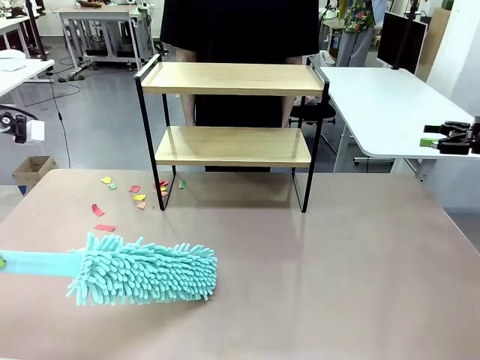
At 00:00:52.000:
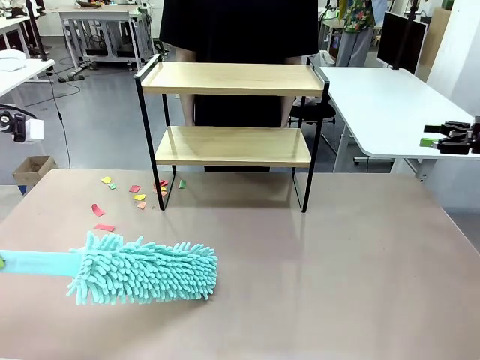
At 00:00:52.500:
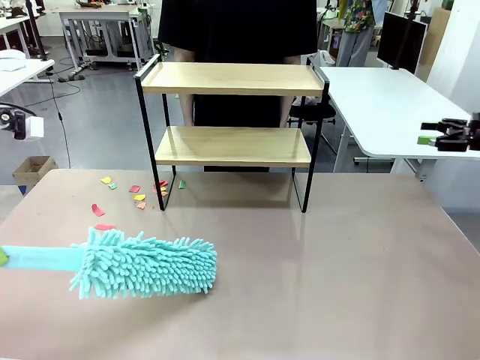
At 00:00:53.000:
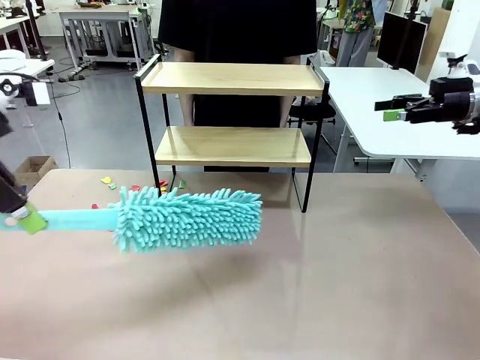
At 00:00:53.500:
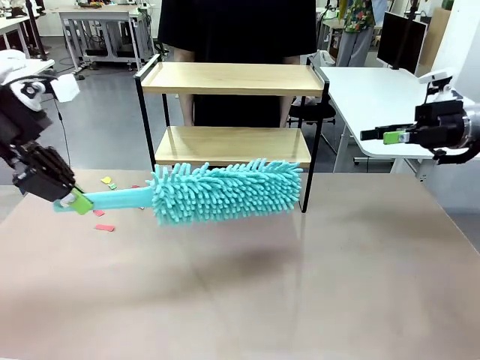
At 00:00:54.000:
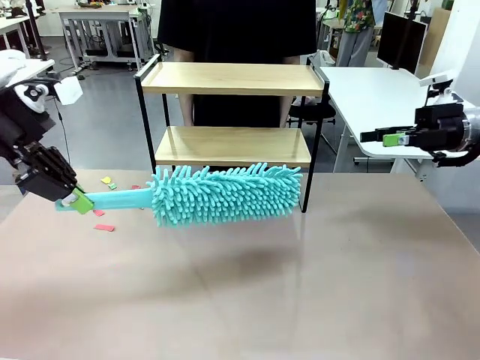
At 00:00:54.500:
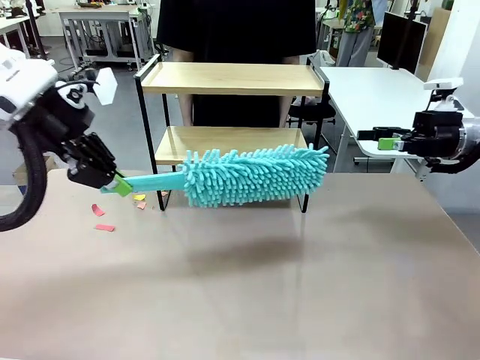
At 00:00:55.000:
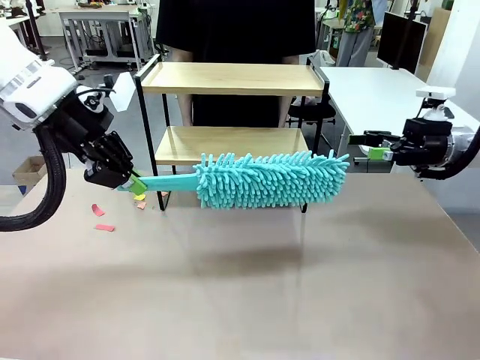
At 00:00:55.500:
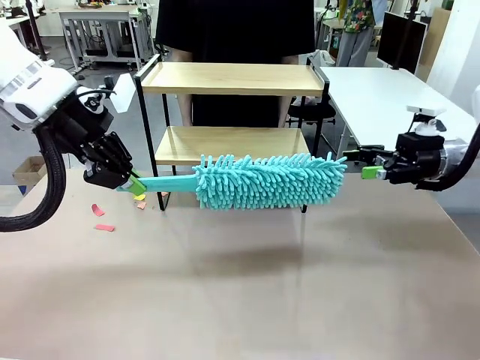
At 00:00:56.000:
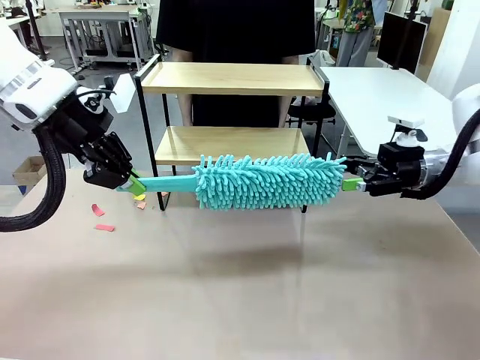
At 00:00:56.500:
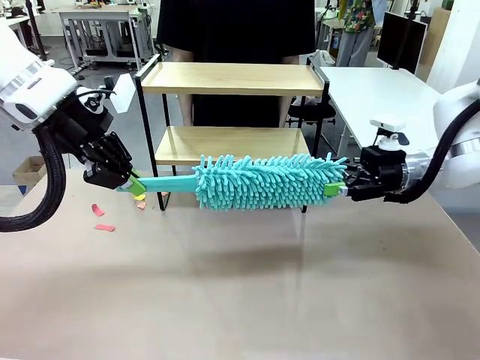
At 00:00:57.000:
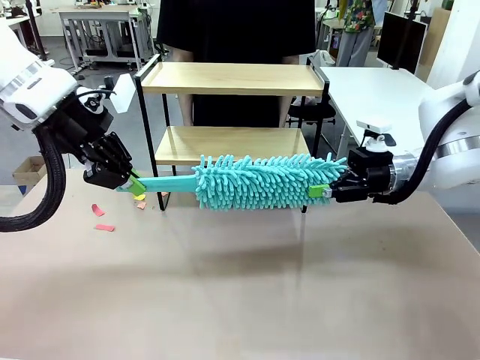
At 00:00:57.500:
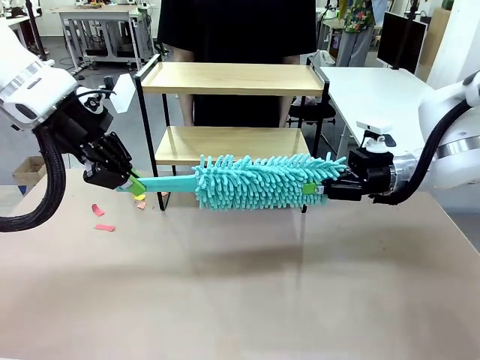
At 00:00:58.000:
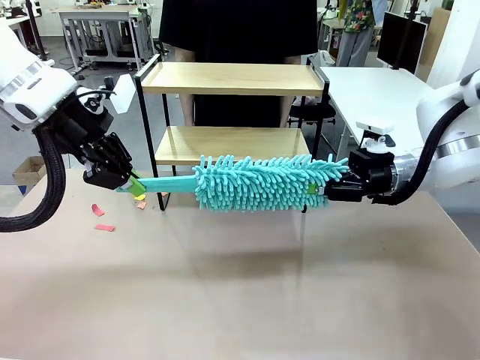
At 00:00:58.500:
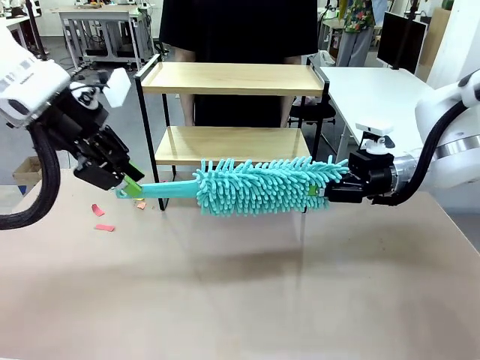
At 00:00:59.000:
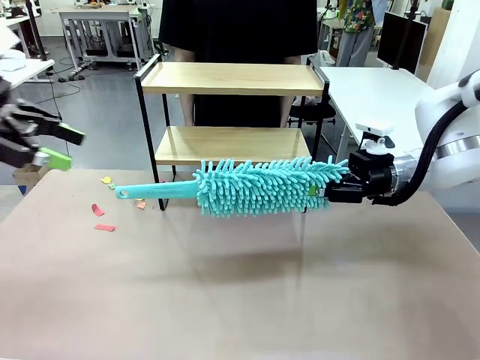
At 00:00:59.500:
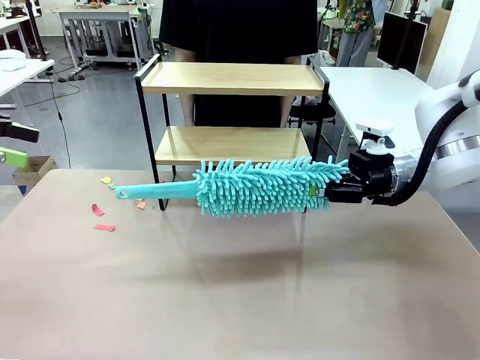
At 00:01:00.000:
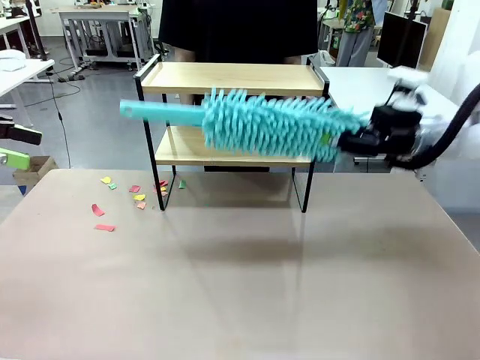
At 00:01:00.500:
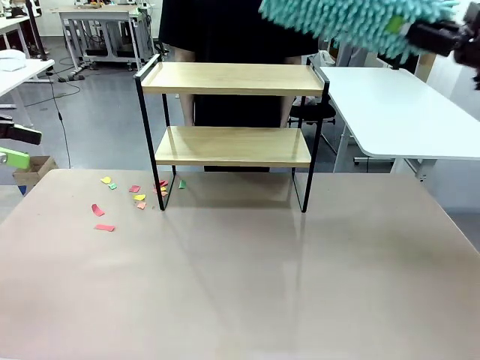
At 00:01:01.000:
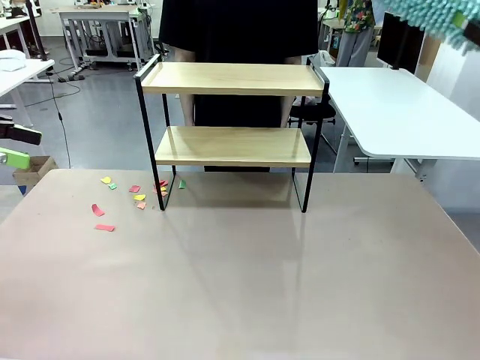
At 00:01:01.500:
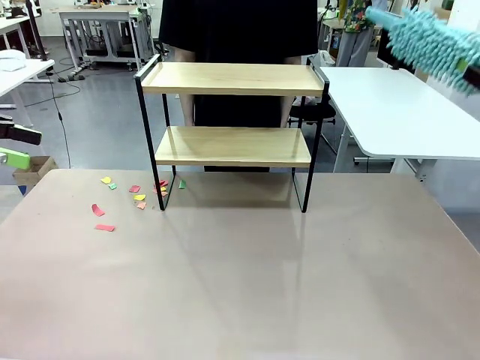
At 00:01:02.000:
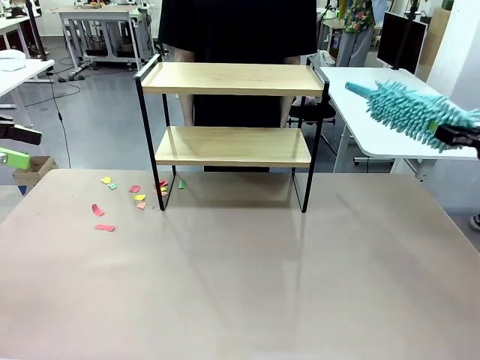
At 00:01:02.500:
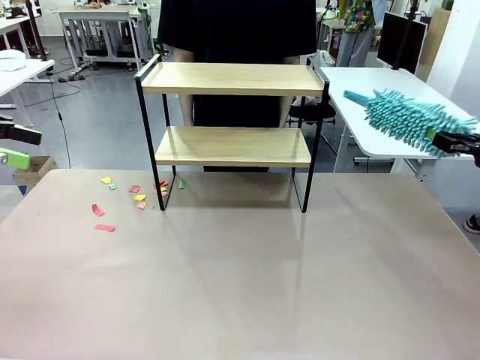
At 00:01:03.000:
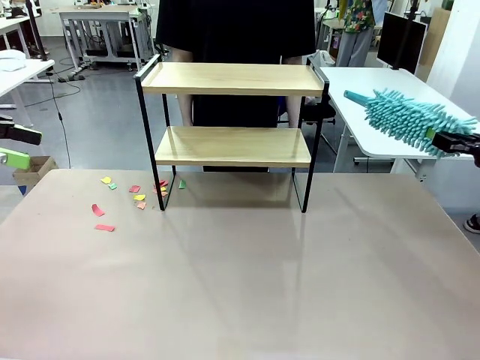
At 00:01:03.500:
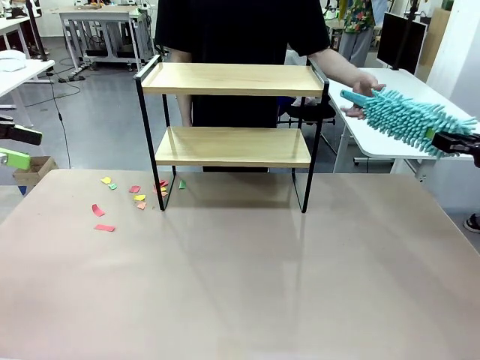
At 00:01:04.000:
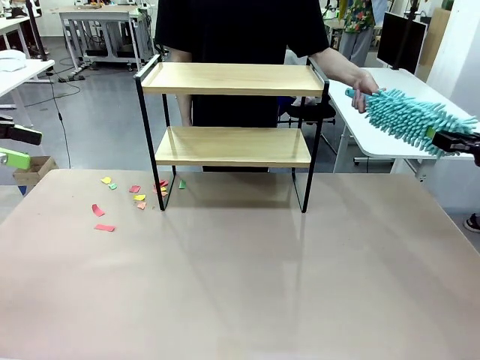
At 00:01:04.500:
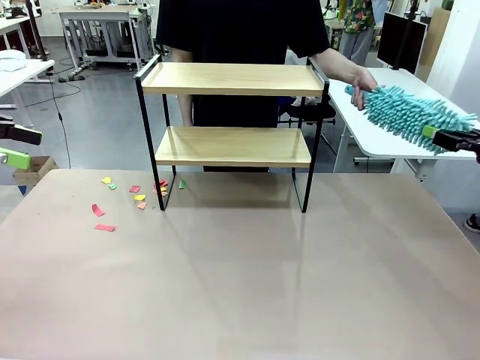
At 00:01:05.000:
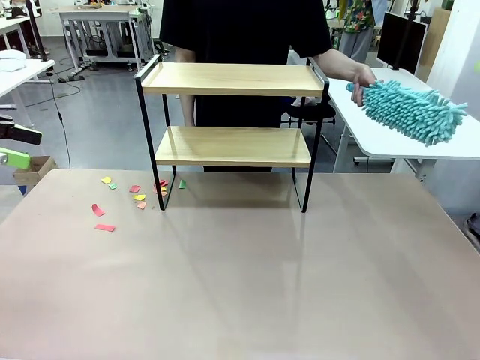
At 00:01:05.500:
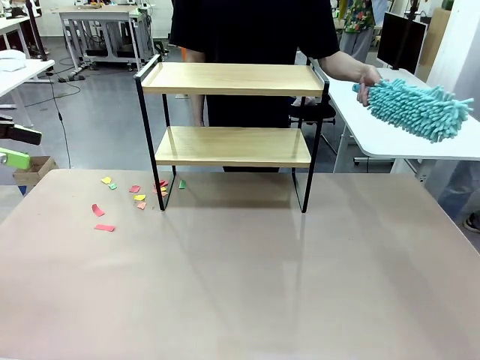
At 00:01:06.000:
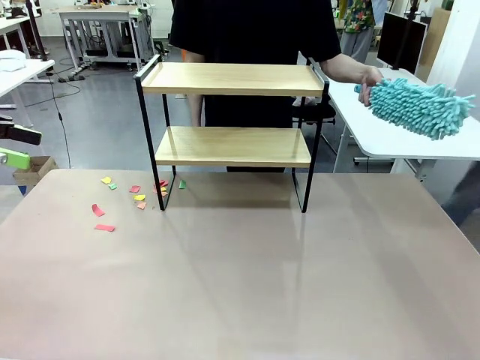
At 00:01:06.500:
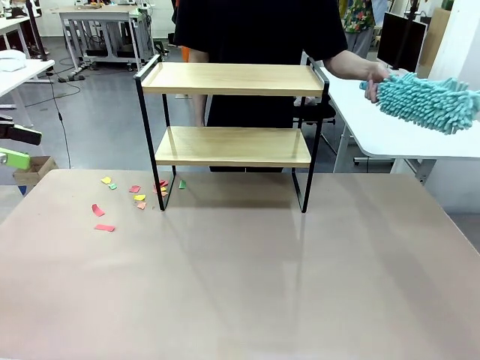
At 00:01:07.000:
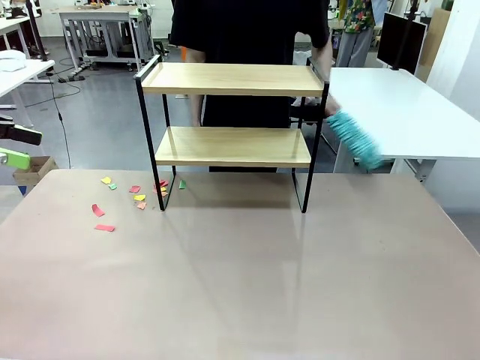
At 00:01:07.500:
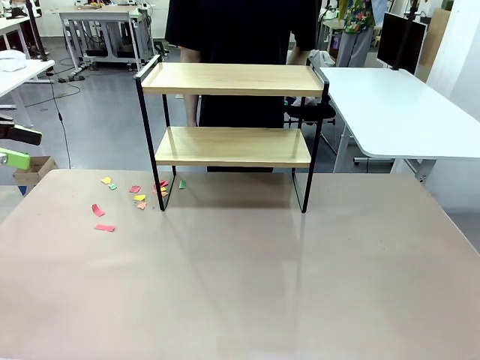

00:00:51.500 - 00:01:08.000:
Task: Clean the shelf.
Robot: Hand the Duster back to the human.
Person: Receive the Duster from the robot.

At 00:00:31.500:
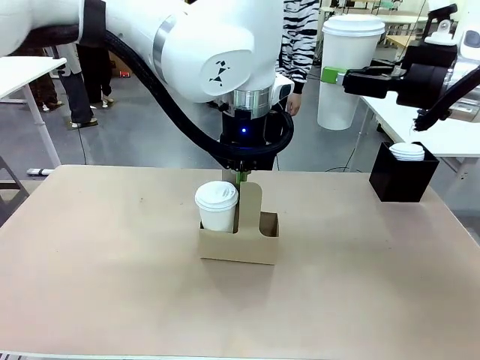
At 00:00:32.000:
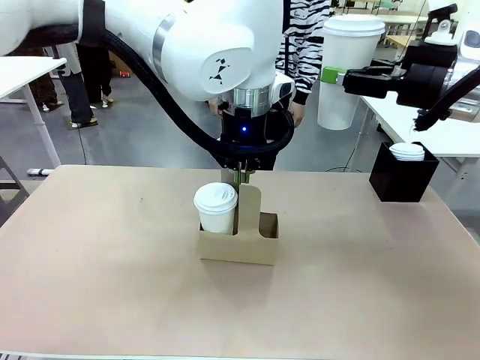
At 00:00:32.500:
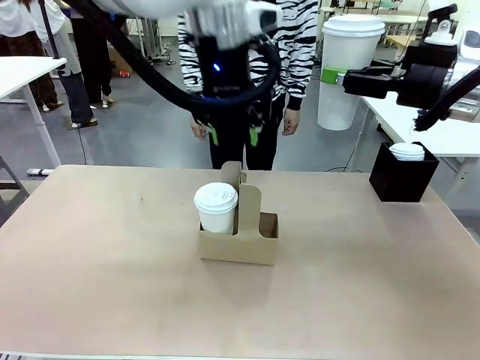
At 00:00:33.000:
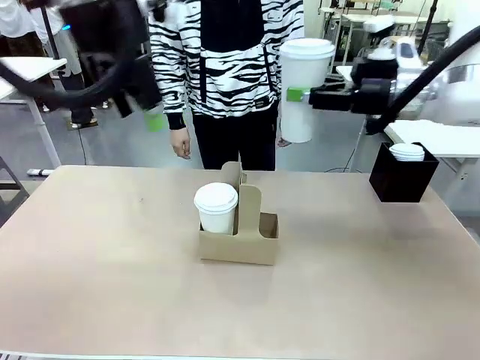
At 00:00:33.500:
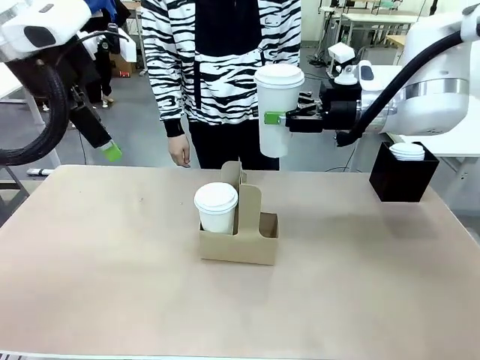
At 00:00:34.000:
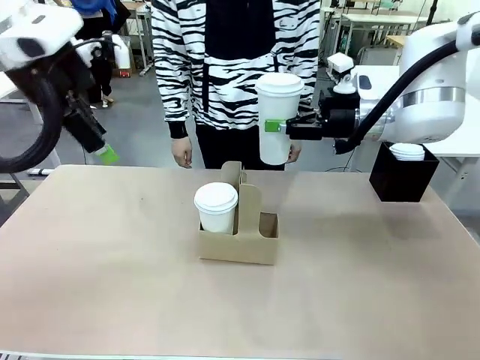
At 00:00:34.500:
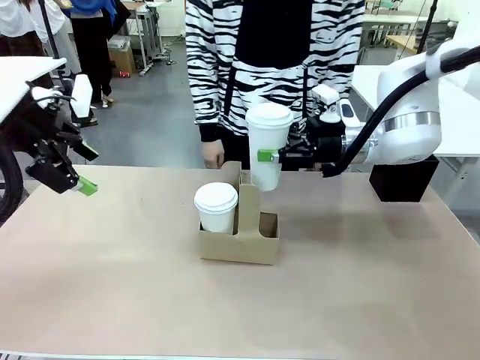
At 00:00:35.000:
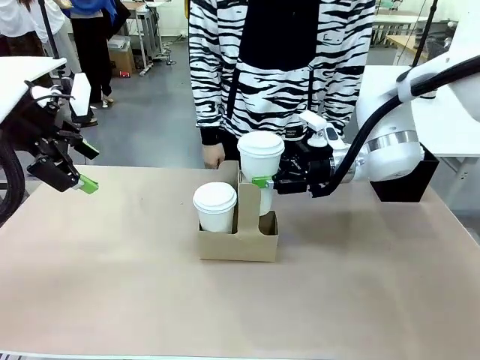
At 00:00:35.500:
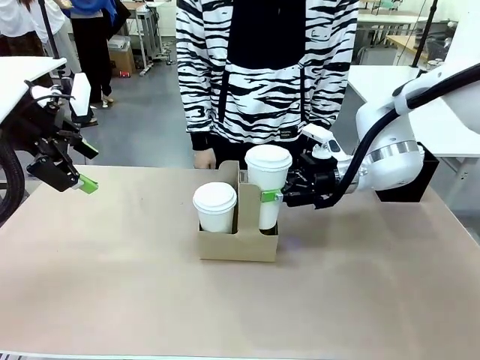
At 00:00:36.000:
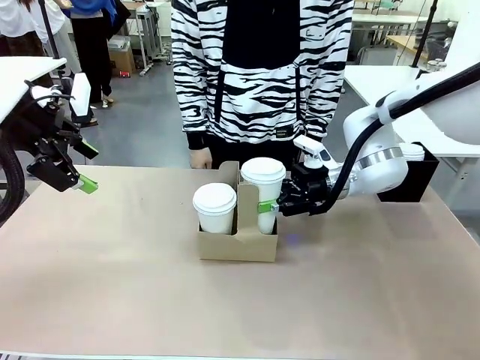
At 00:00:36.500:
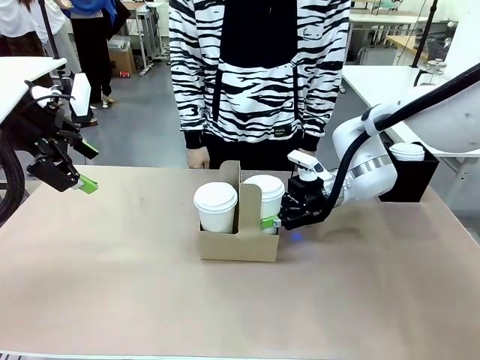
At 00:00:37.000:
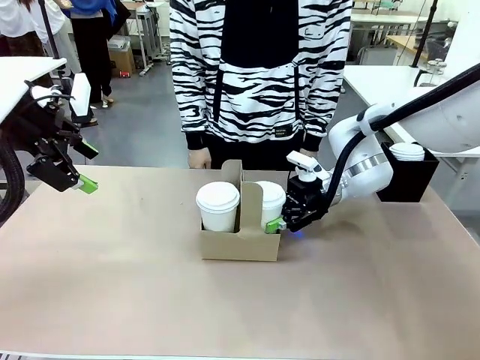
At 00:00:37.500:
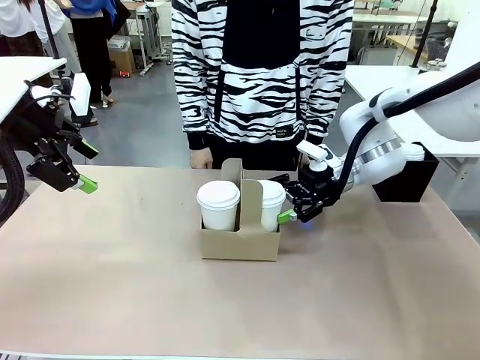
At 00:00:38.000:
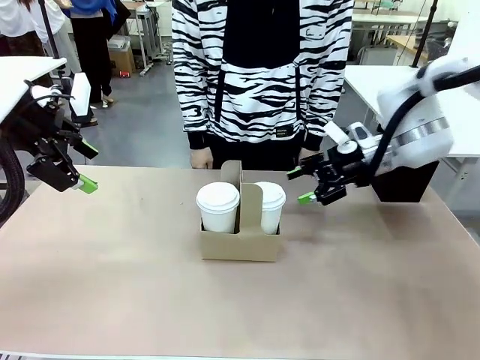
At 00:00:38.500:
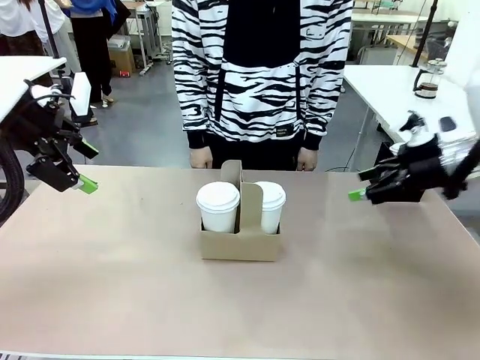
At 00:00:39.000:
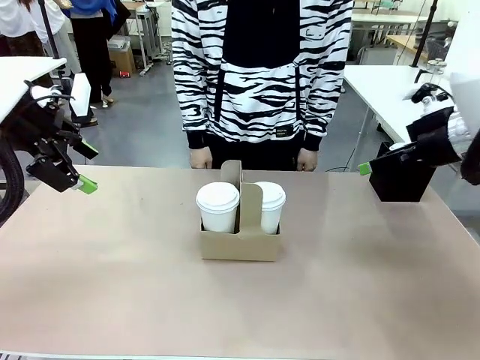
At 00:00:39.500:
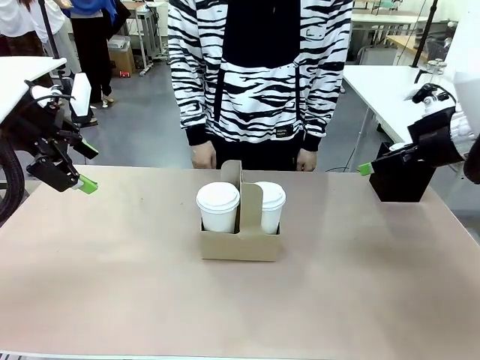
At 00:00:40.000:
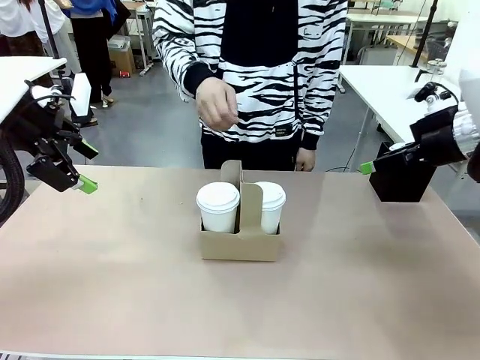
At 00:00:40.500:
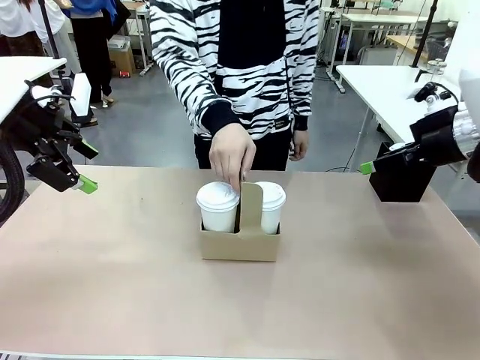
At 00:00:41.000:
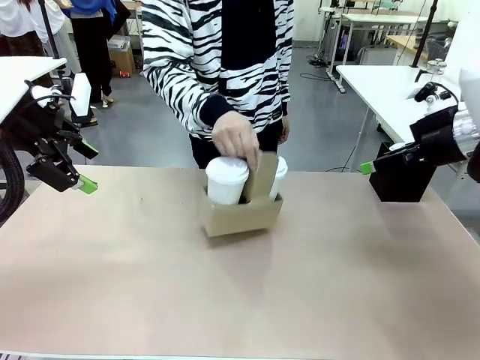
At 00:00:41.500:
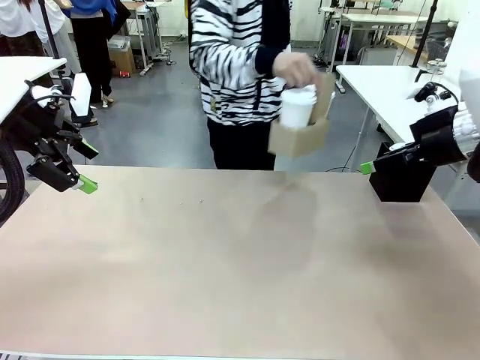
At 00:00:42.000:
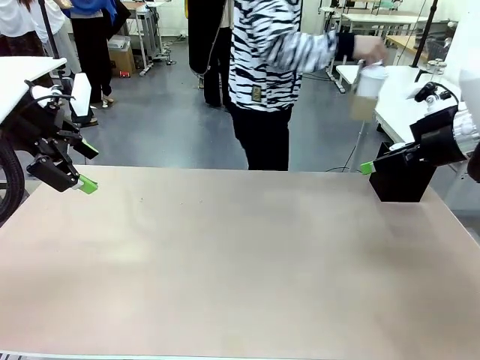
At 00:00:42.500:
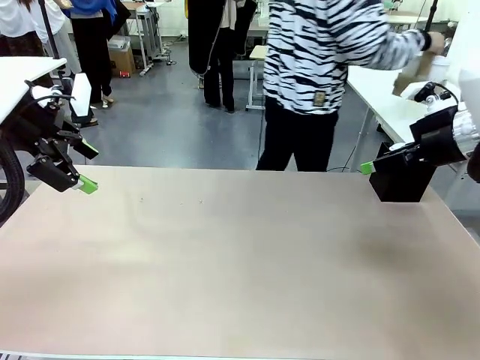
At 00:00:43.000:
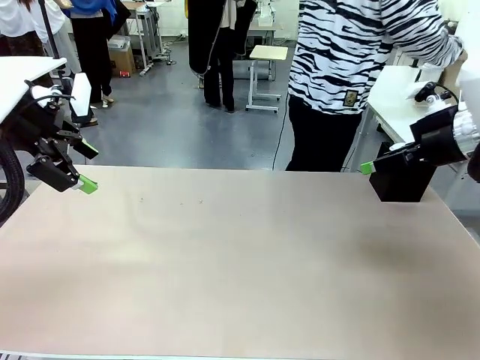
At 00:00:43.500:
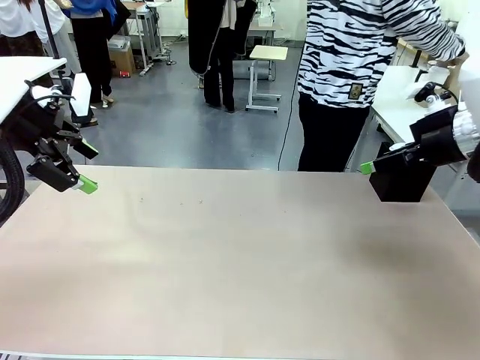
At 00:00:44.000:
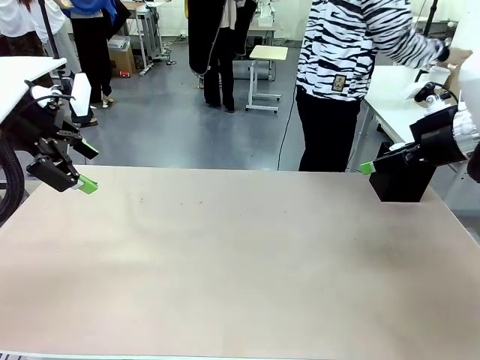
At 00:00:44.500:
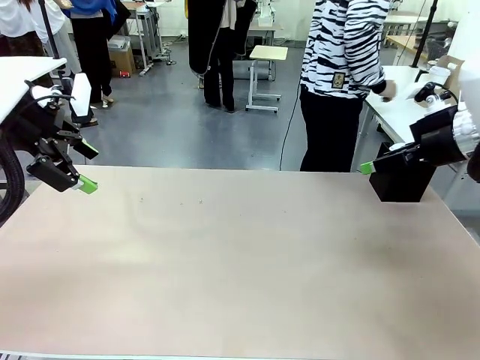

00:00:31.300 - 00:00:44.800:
Task: Pour a drink into a cup and package it in a carrier.
Robot: Insert the held 600 ml Paper Cup into the Cup Carrier.
Person: Place the Cup Carrier to the middle of Human table.
